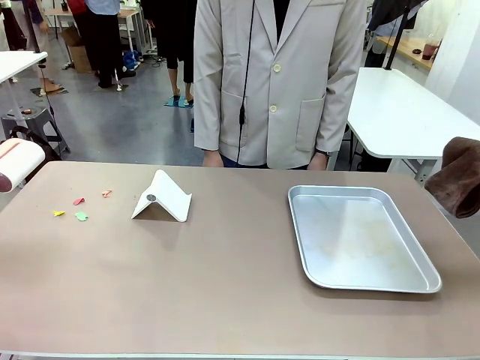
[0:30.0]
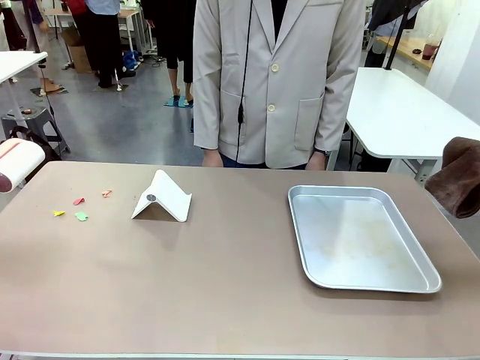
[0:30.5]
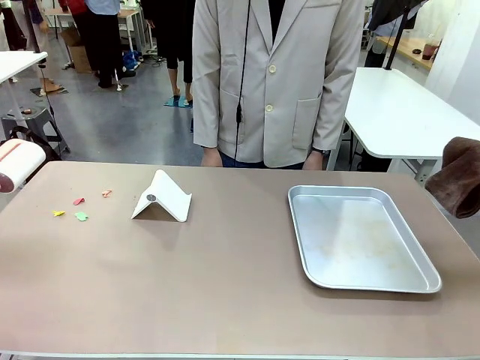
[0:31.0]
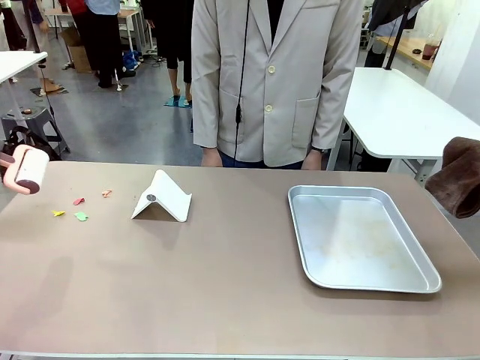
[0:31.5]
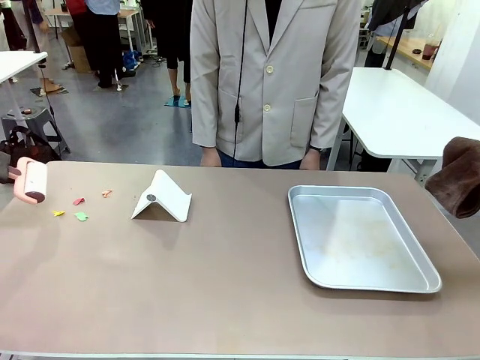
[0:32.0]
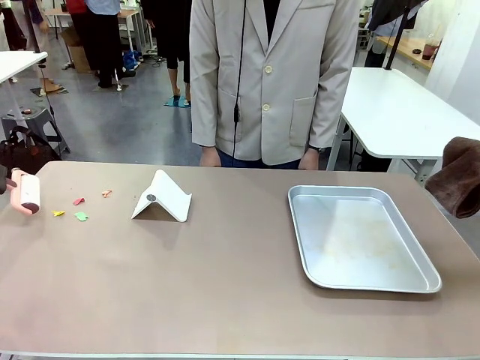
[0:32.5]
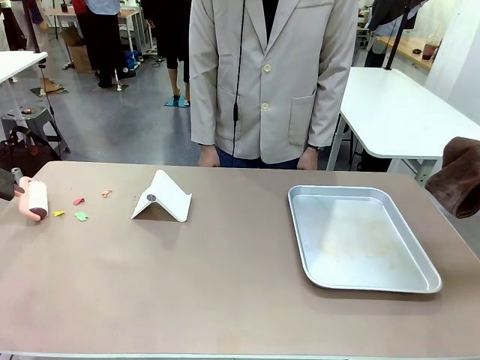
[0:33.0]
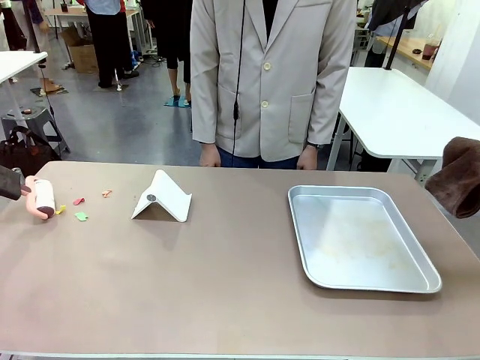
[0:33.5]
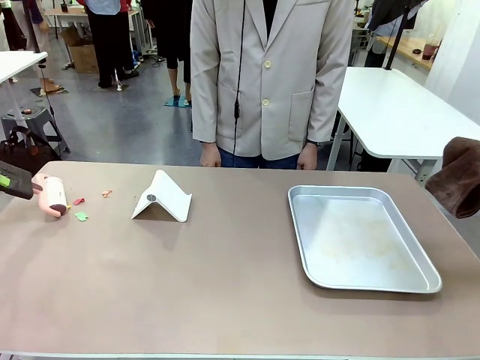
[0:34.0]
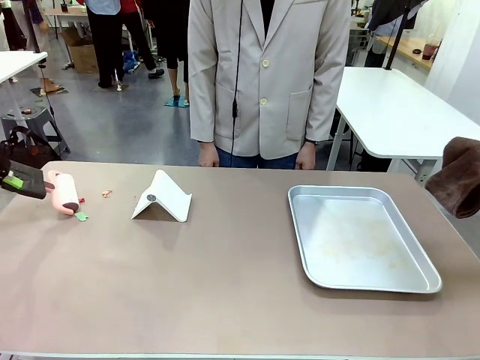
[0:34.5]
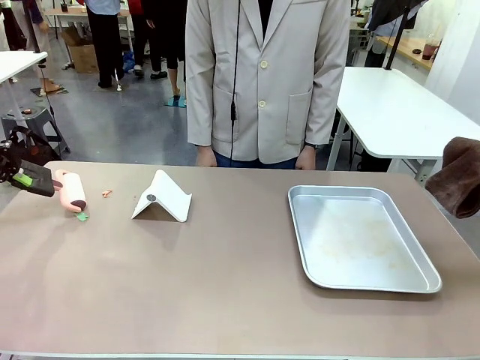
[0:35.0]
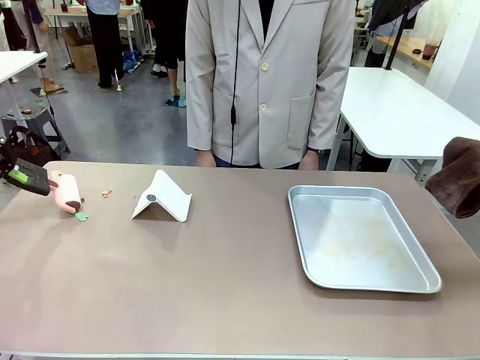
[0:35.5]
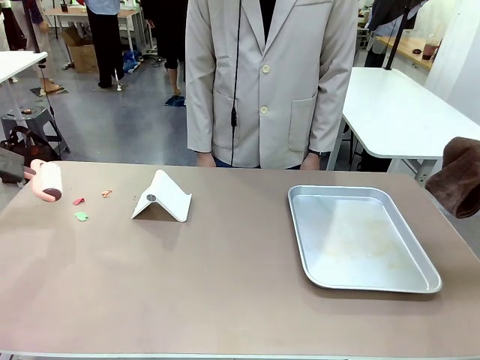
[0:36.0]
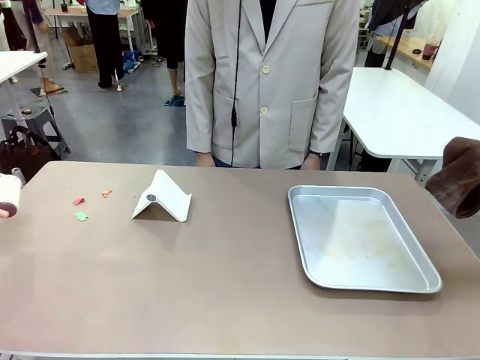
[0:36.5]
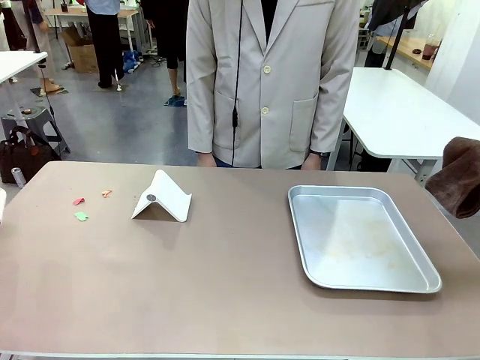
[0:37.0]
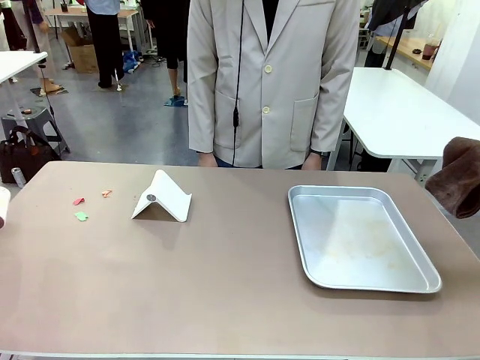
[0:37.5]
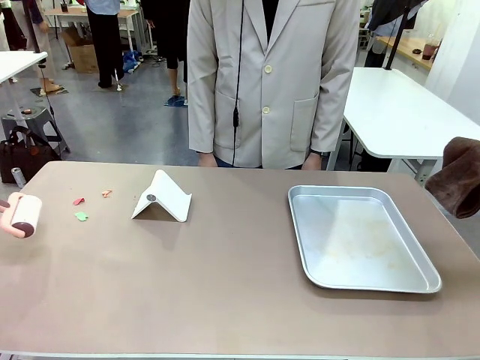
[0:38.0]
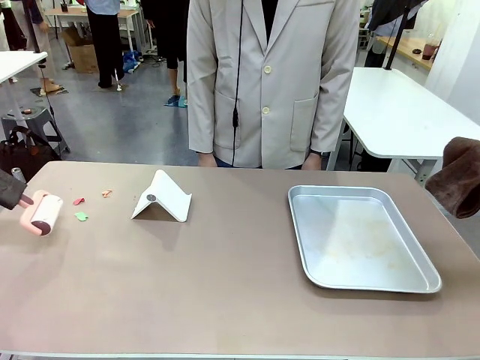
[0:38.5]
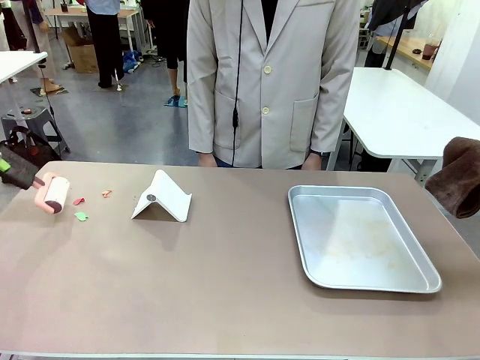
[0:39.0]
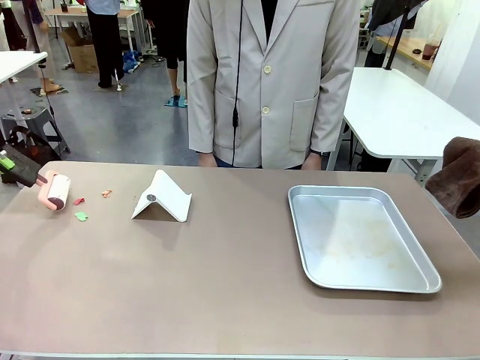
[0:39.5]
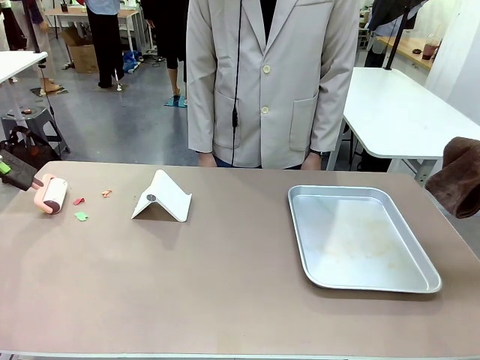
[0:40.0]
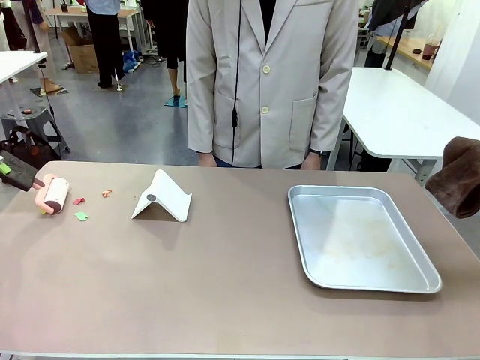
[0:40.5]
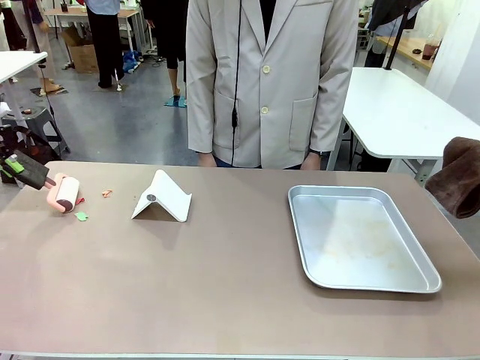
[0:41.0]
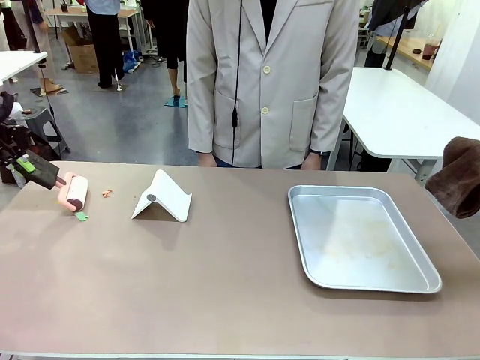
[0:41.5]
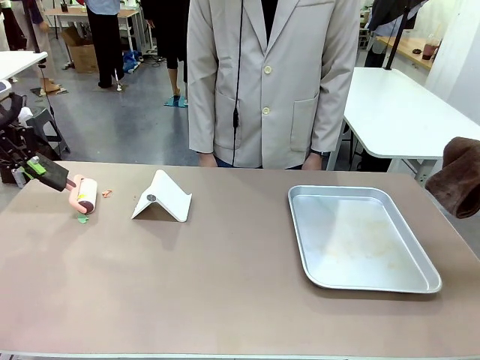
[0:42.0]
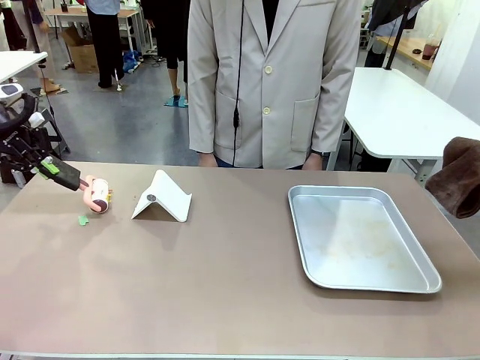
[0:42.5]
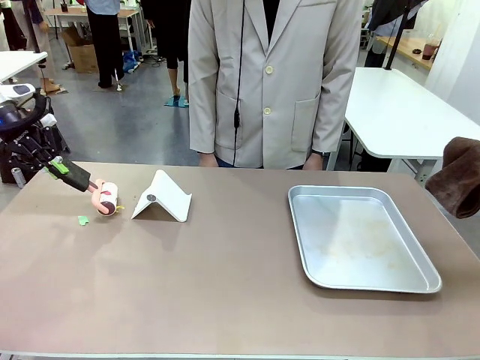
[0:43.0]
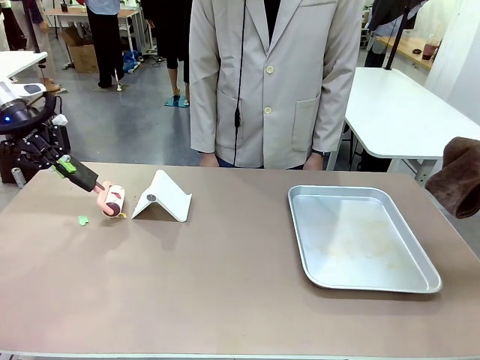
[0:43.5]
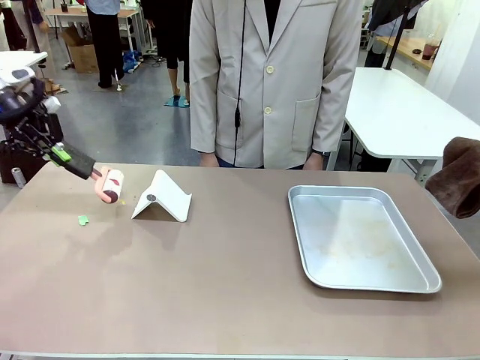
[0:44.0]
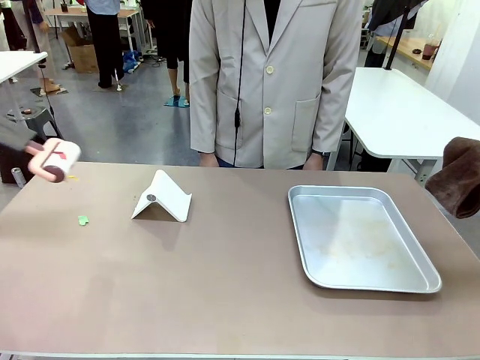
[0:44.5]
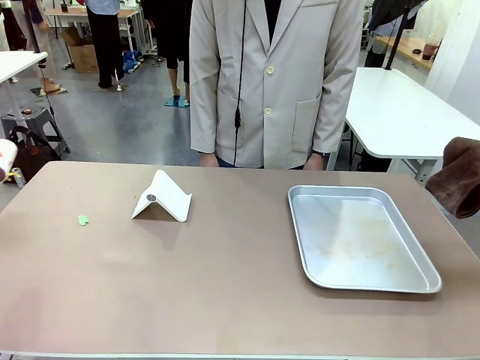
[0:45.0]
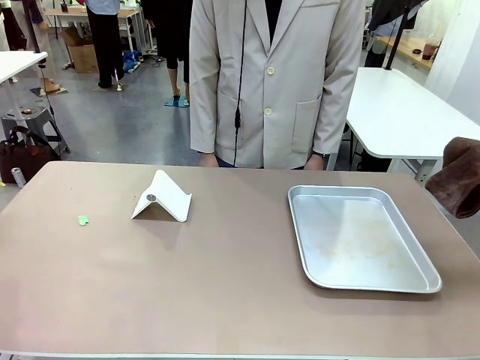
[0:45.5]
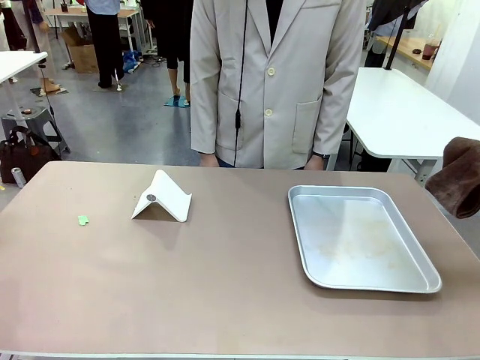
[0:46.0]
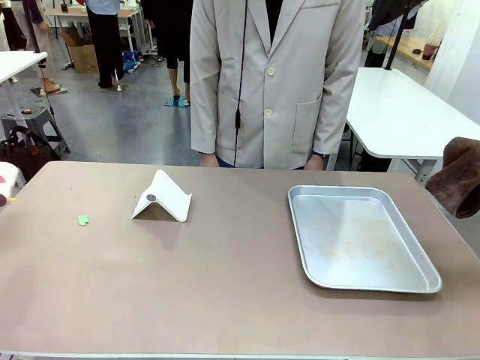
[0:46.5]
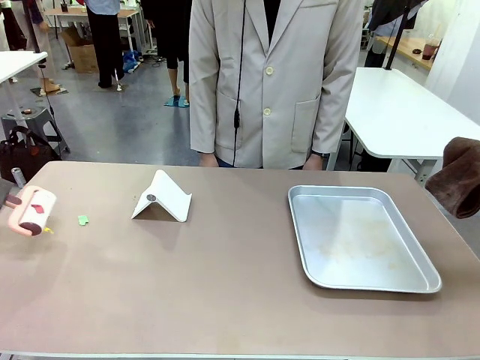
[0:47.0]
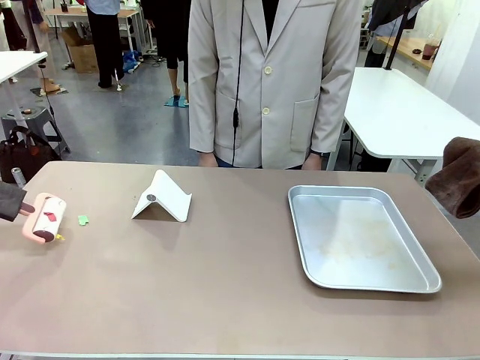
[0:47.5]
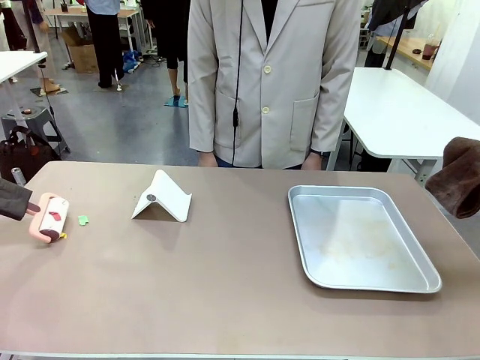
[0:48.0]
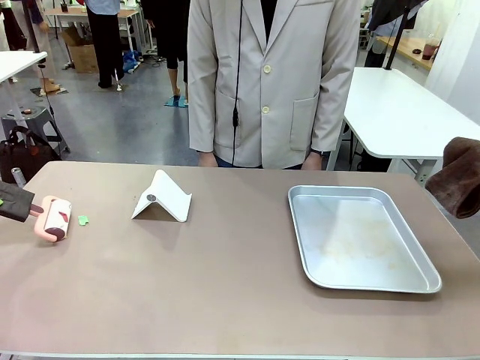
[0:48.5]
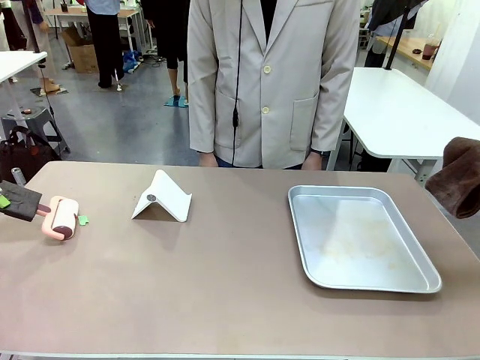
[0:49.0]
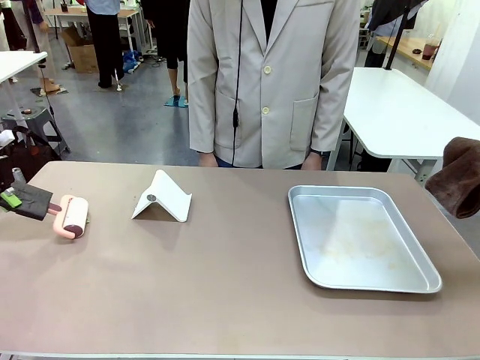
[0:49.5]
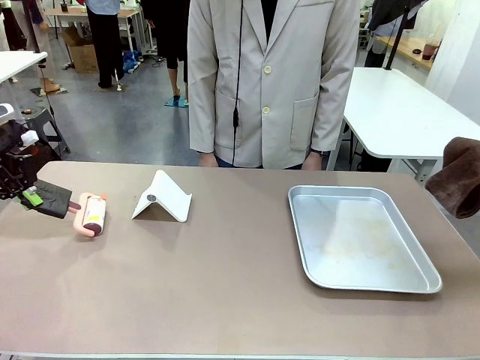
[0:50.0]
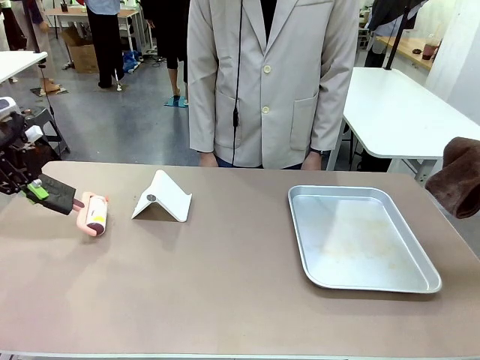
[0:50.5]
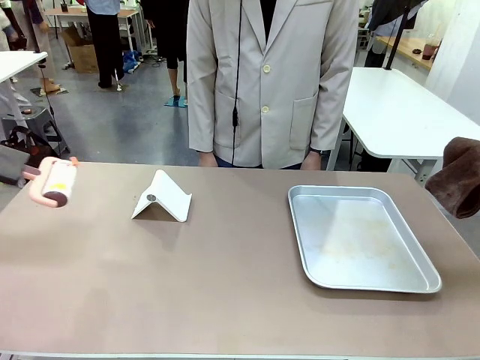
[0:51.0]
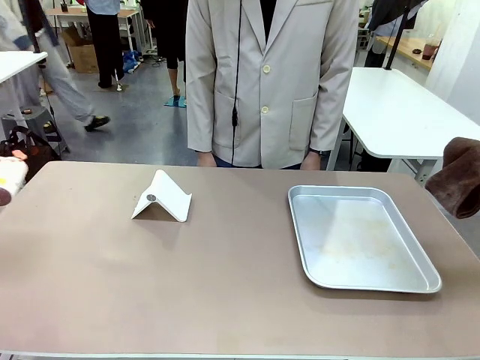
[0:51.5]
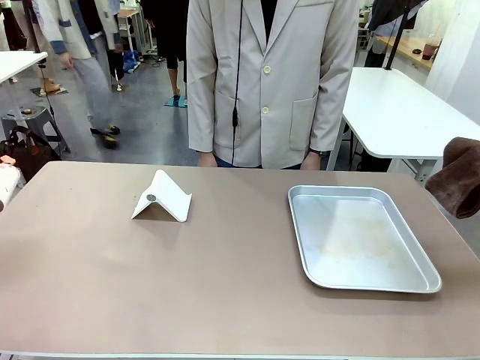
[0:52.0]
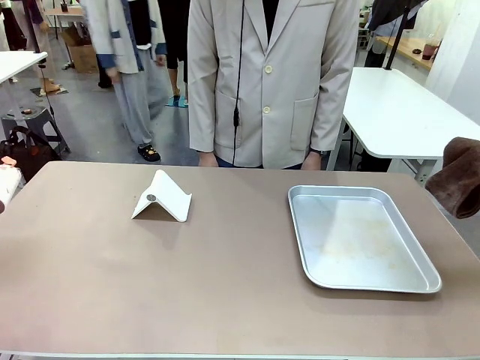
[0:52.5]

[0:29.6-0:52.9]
Task: Clean the surface of the table.
Robot: Clean the area not pointed to by the person.
